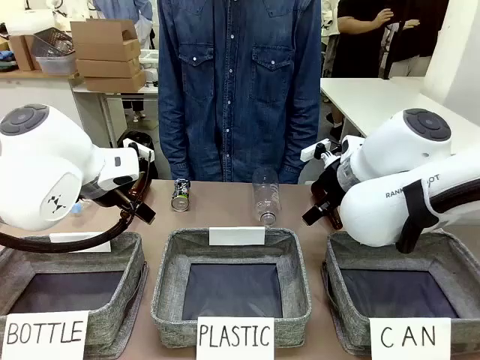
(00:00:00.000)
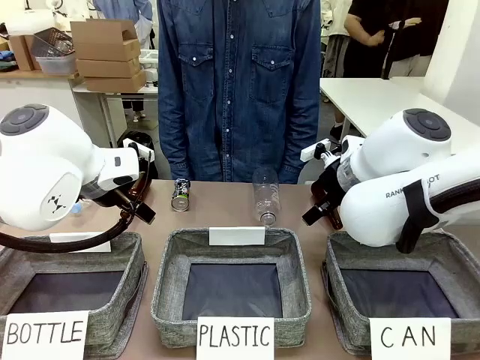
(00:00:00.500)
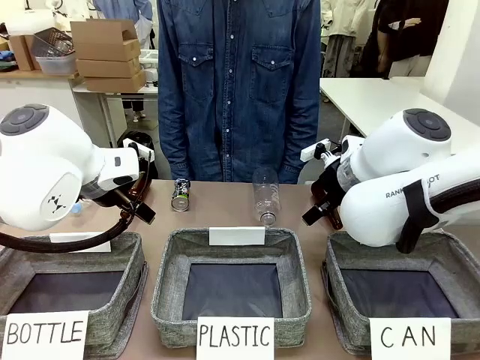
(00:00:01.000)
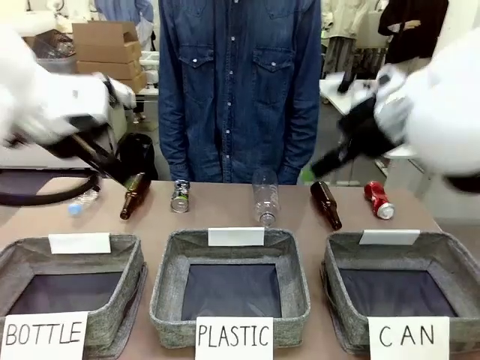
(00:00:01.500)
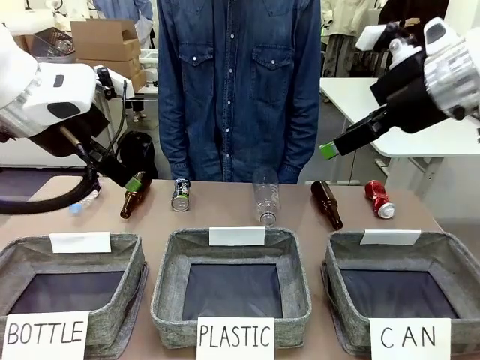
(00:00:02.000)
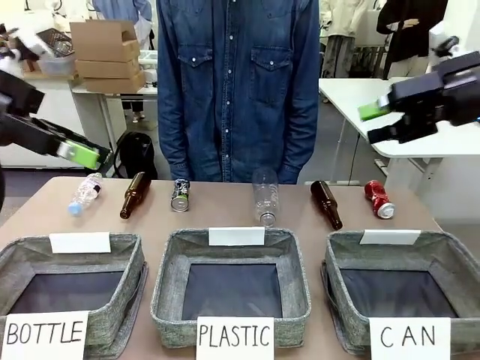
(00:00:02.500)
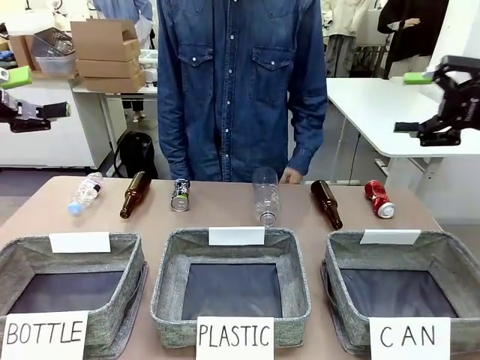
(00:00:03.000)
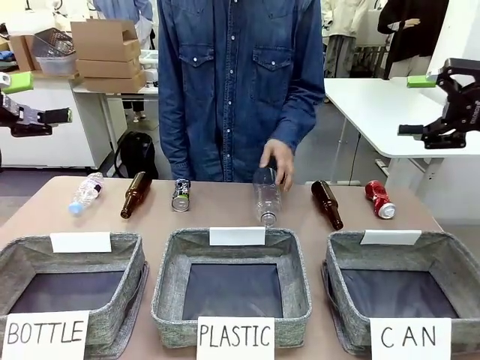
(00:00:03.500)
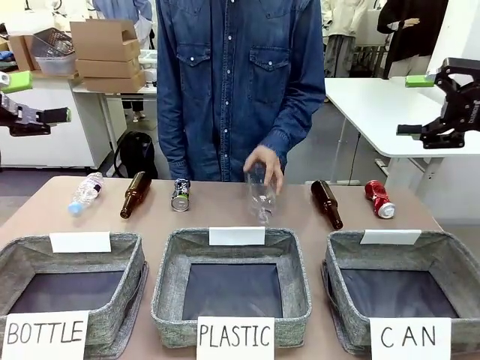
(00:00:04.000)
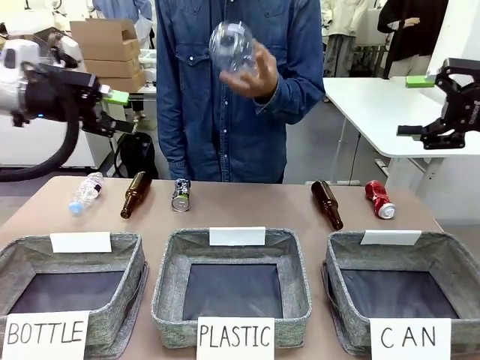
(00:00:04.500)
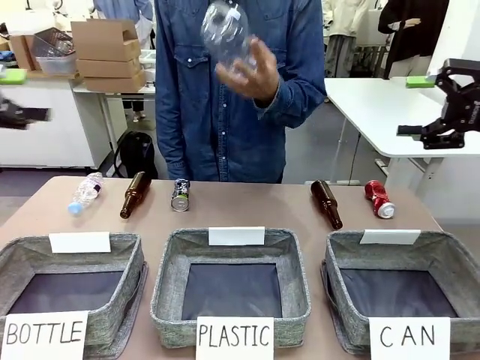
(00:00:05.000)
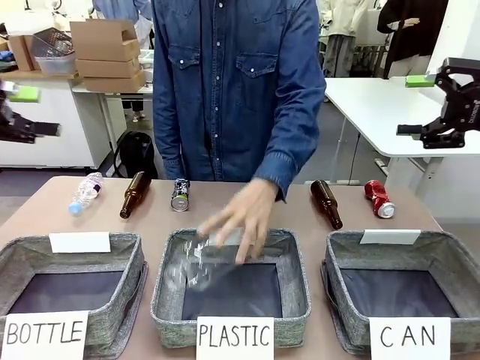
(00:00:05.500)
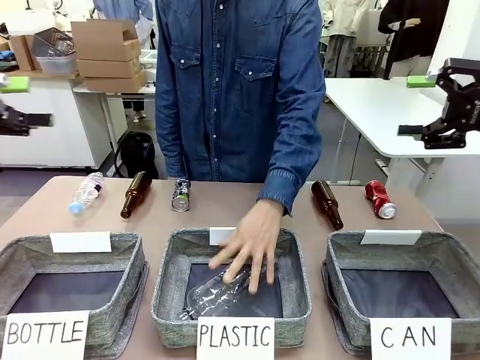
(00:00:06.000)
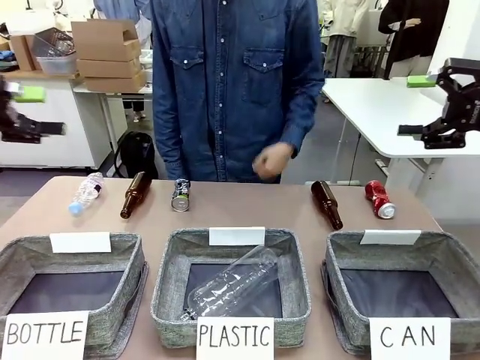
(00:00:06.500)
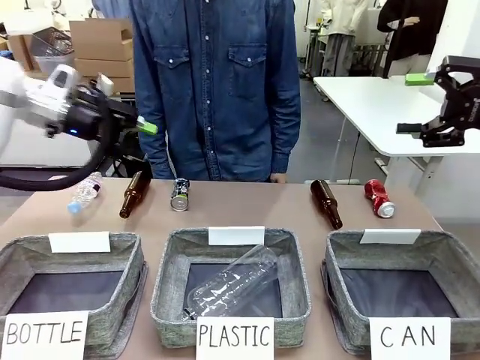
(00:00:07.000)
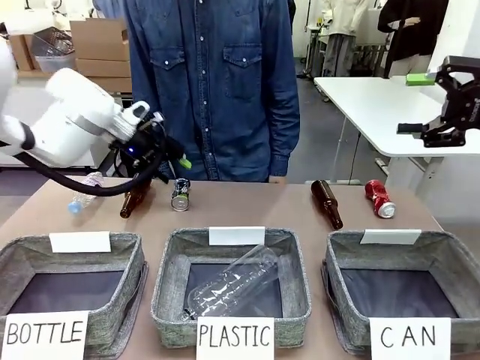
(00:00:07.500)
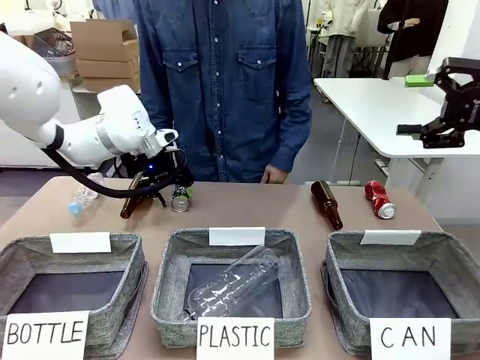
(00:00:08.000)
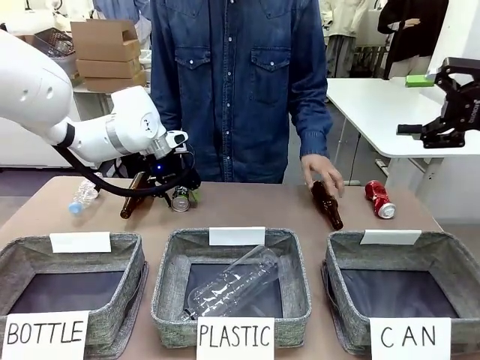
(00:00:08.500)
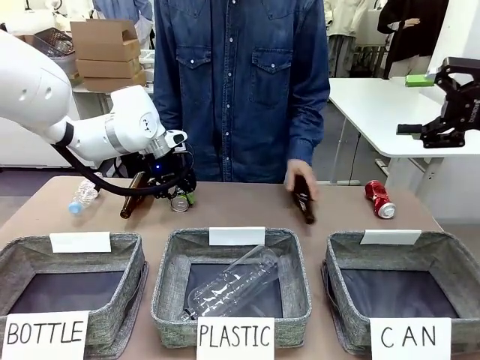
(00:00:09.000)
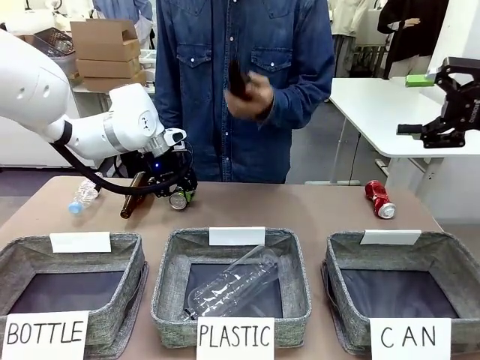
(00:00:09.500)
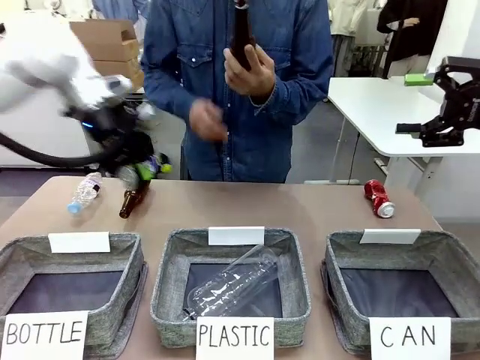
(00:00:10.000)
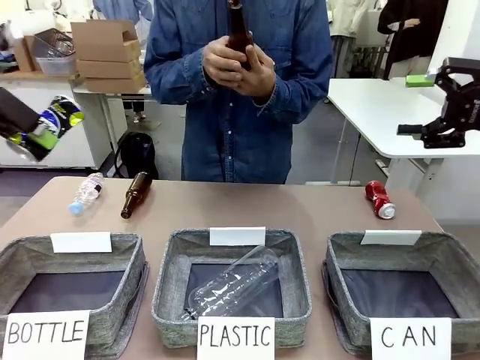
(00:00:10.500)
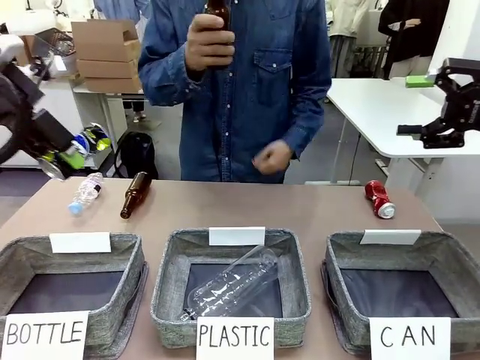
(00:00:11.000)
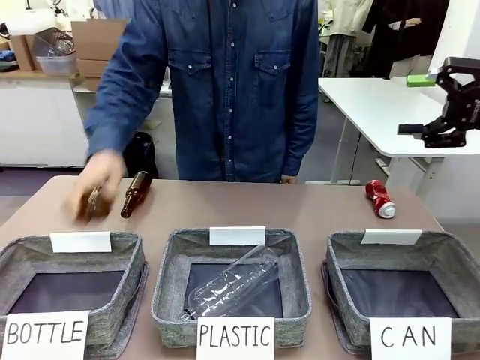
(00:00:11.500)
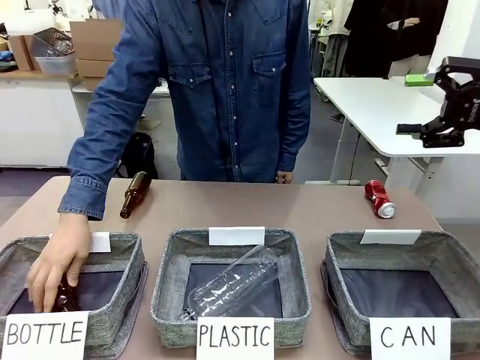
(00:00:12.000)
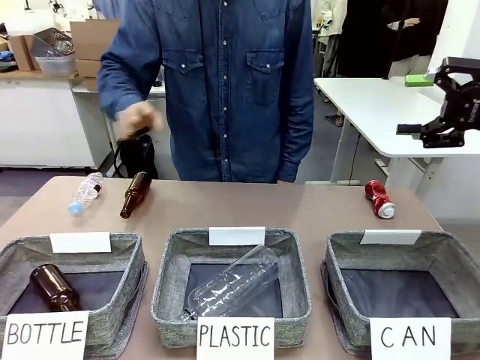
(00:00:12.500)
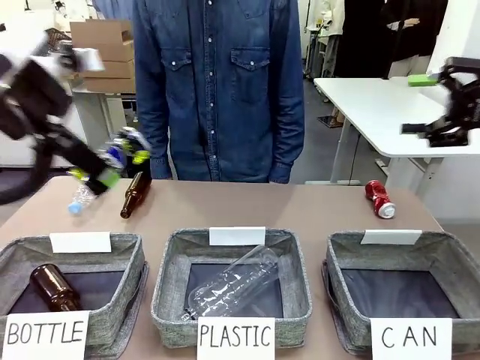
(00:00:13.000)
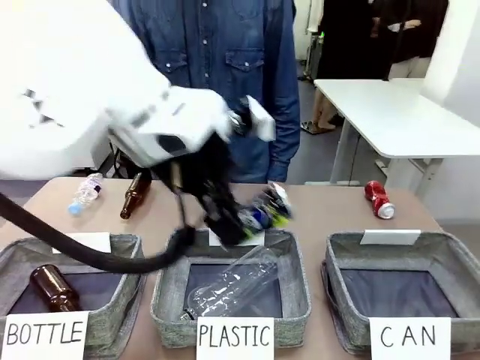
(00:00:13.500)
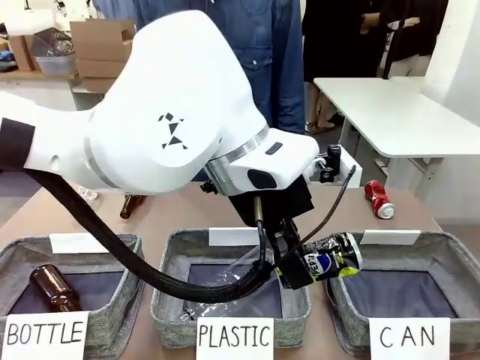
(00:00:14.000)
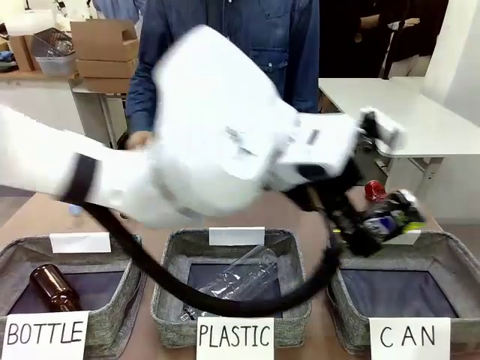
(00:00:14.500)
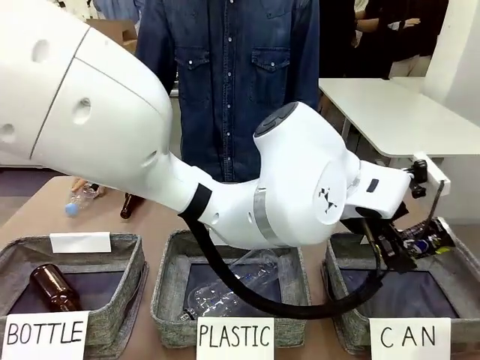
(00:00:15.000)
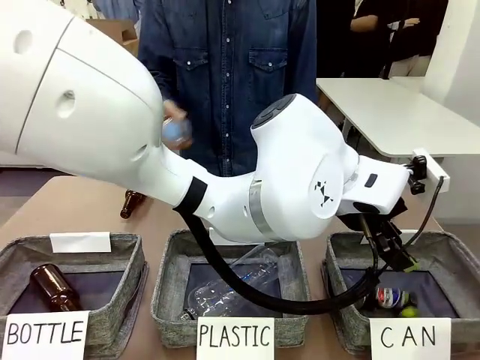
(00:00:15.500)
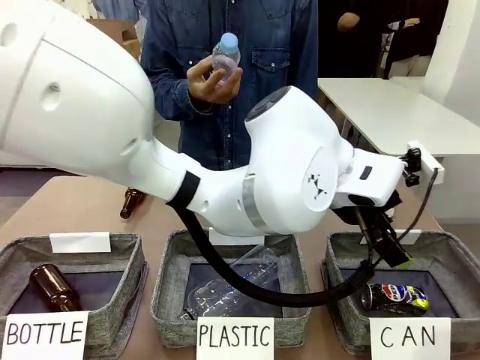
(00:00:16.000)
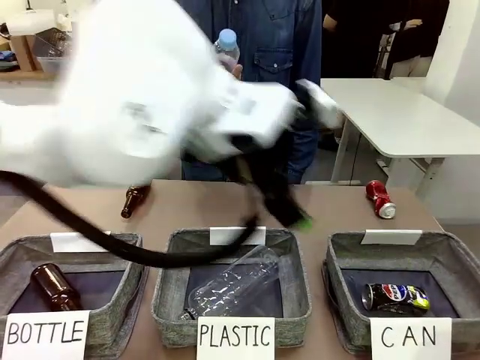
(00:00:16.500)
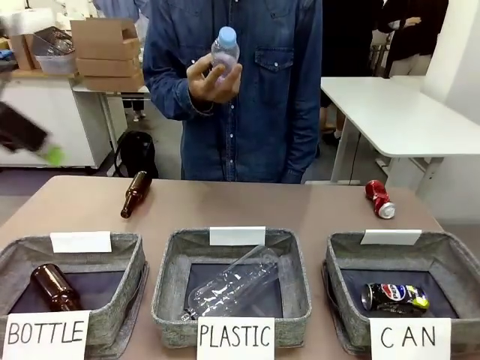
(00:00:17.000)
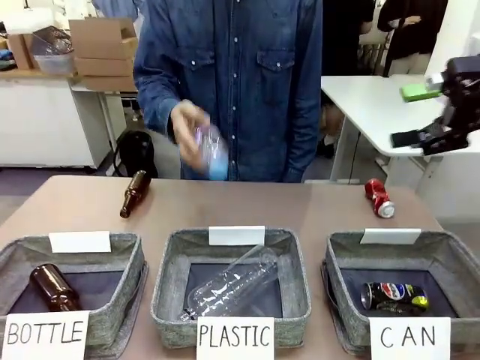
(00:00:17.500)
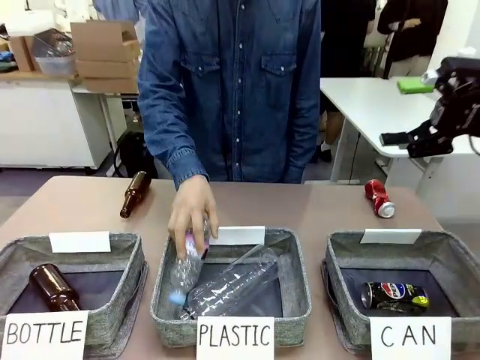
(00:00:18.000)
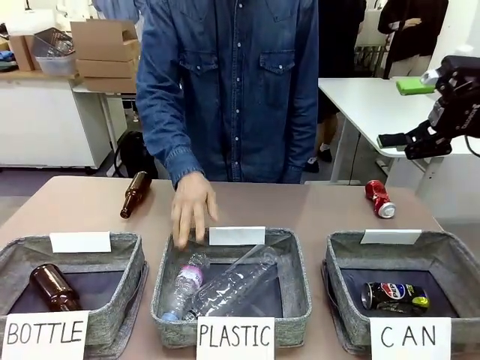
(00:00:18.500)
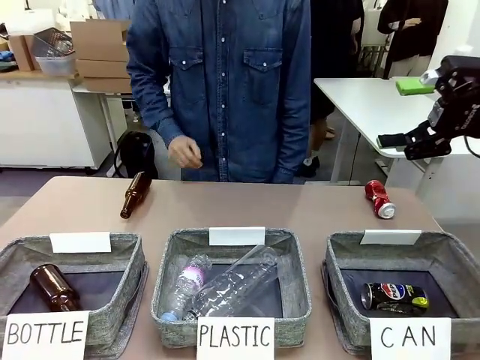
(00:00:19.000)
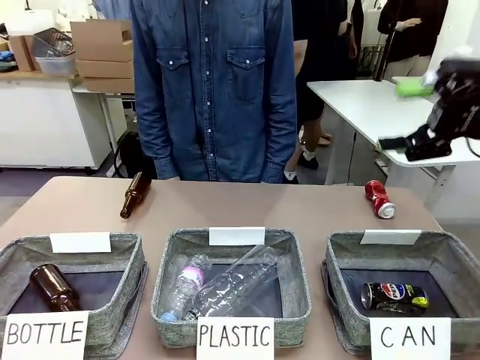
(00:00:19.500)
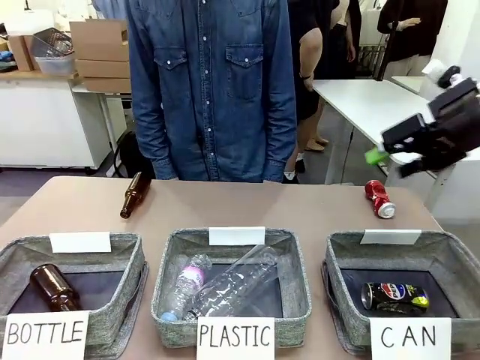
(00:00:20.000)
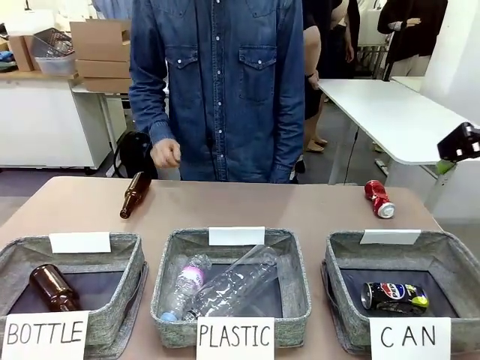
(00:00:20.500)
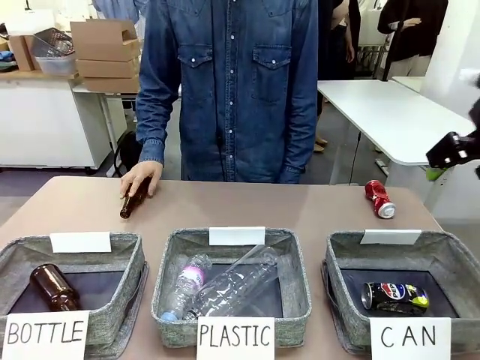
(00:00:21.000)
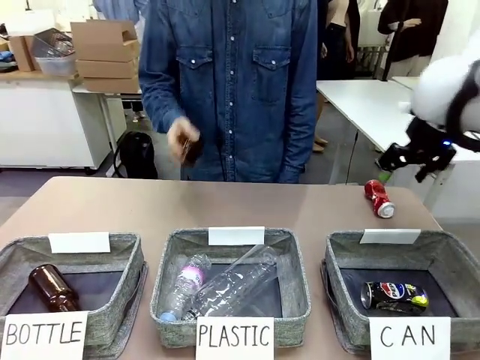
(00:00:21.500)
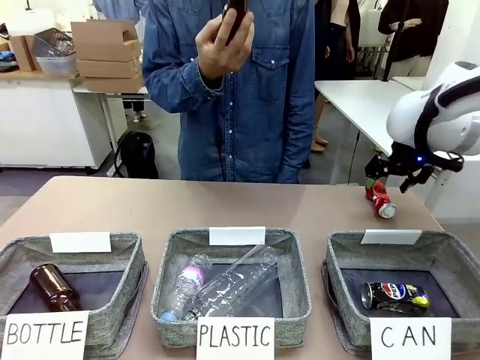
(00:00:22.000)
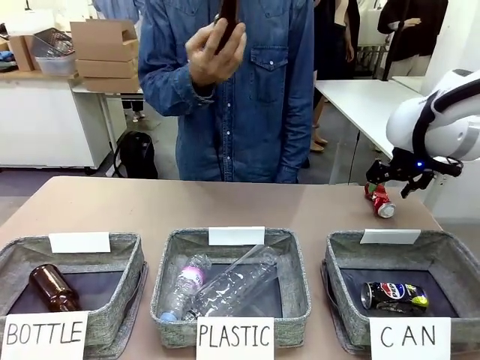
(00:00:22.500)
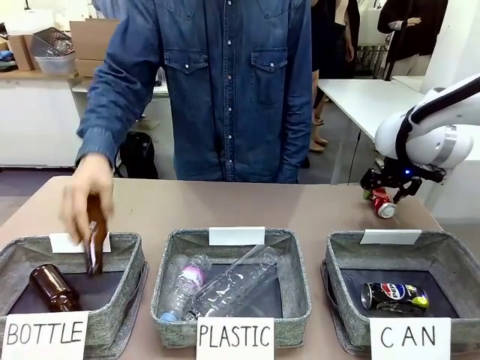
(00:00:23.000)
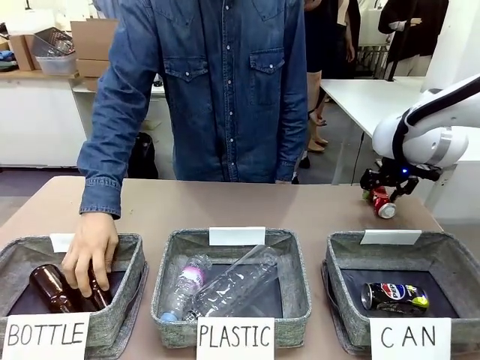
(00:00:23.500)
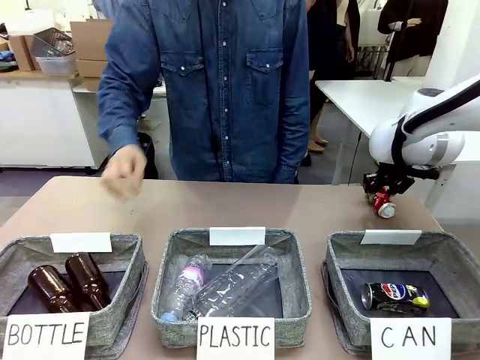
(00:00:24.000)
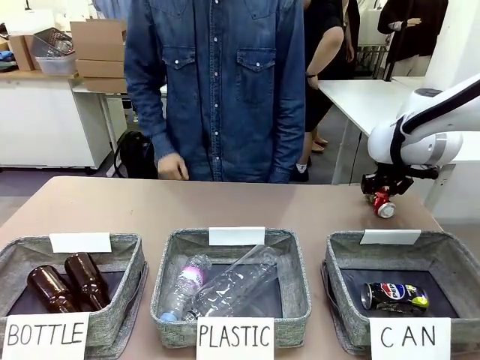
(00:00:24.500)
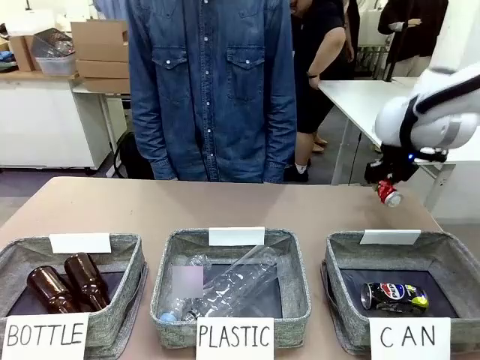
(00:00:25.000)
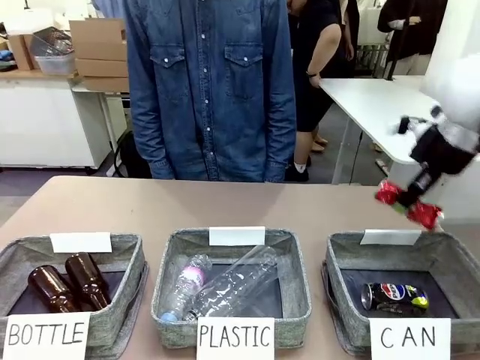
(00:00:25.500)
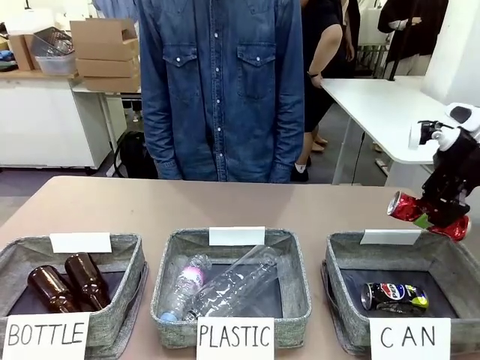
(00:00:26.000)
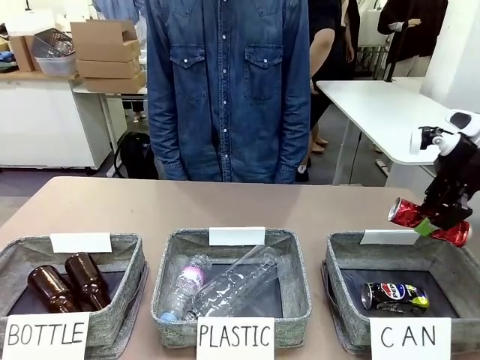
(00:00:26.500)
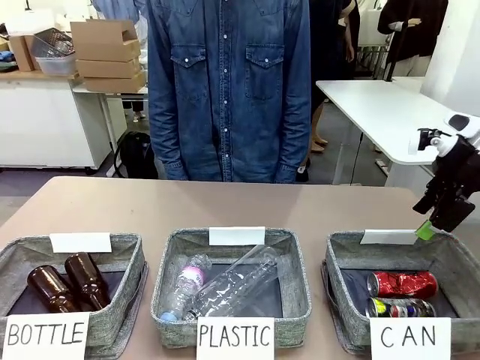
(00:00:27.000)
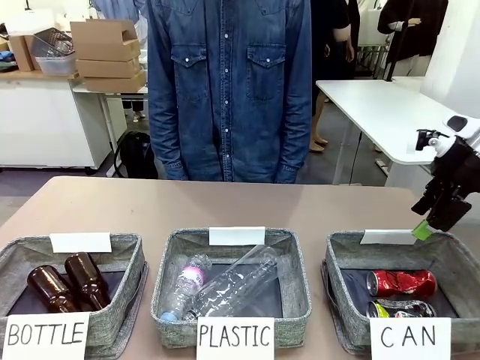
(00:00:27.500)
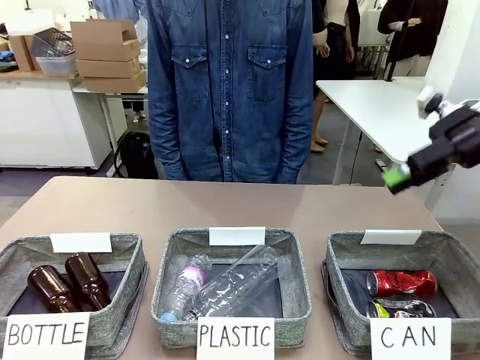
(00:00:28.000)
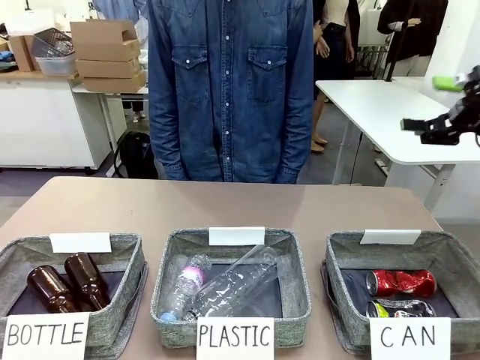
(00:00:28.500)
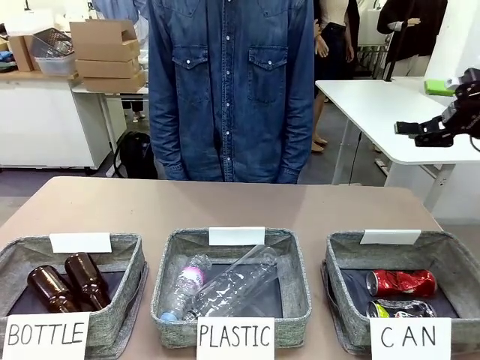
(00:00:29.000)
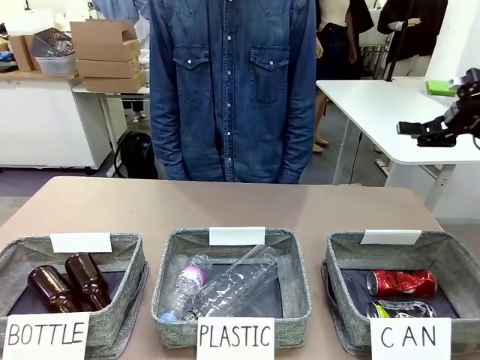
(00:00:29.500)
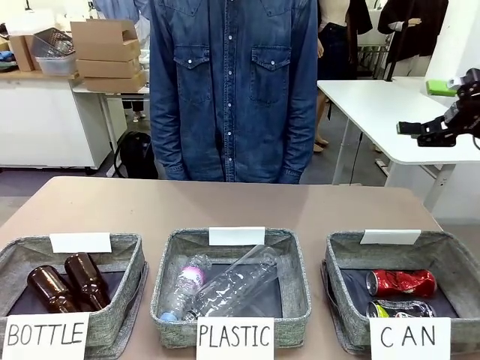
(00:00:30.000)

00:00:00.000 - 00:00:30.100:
Task: Sort the can waste into the basket.
Robot: Pick up the can waste from the table and place it in the right Fabric basket.
Person: The human picks up one piece of trash that is not a can and places the trash into the appropriate organizing basket.
